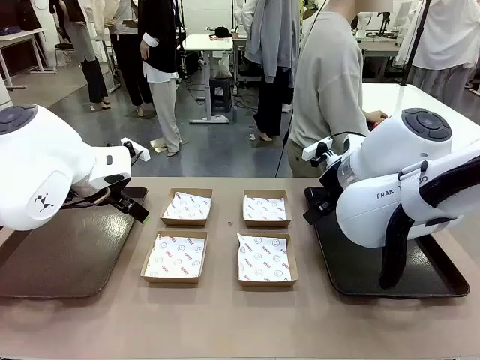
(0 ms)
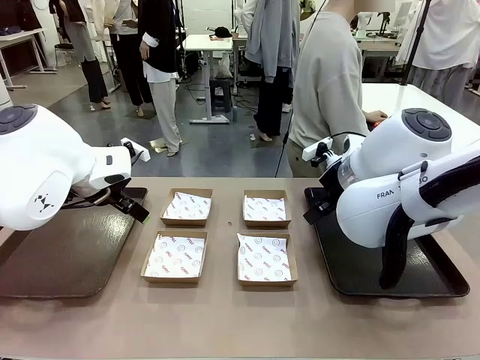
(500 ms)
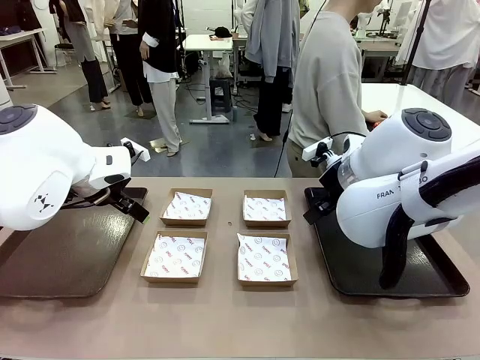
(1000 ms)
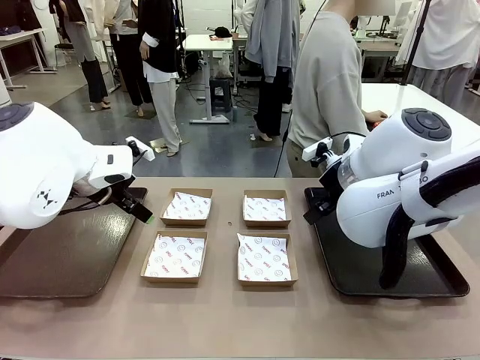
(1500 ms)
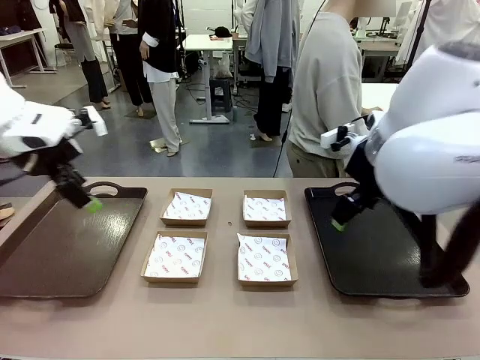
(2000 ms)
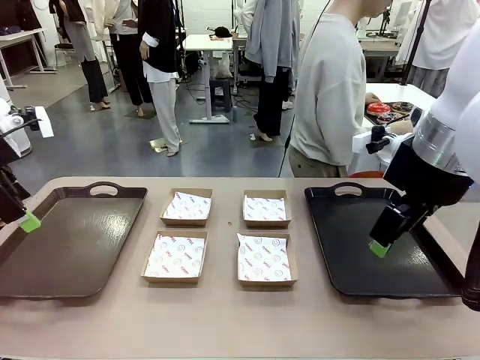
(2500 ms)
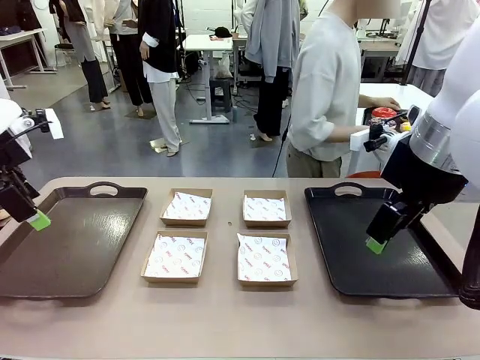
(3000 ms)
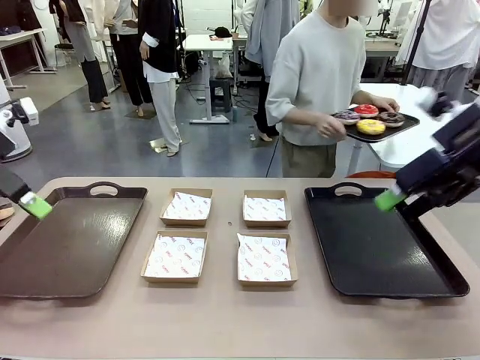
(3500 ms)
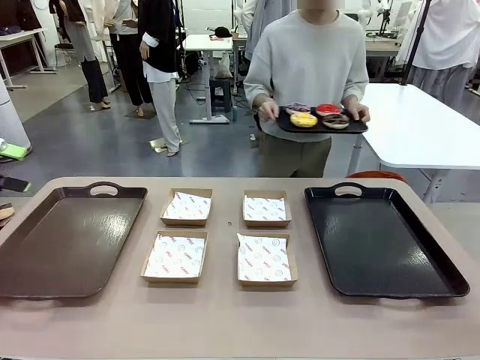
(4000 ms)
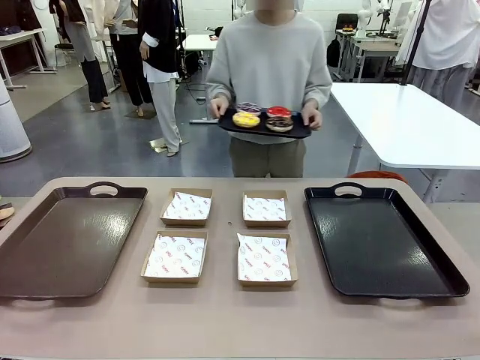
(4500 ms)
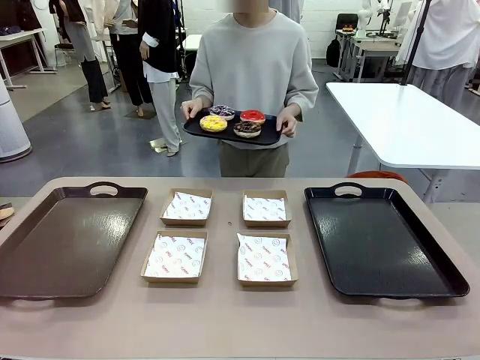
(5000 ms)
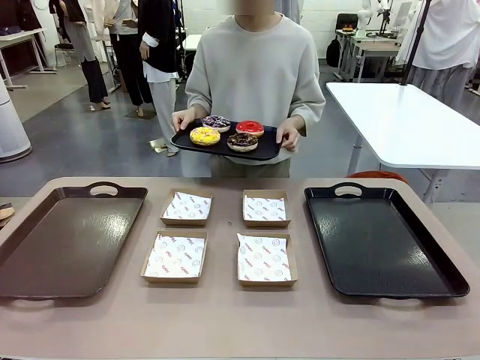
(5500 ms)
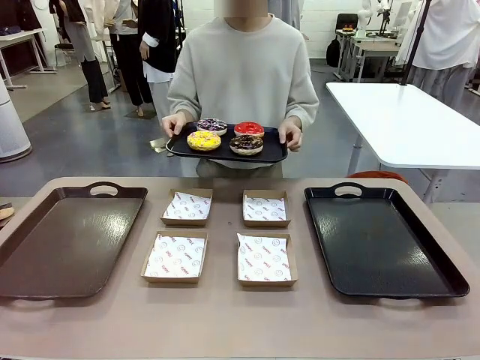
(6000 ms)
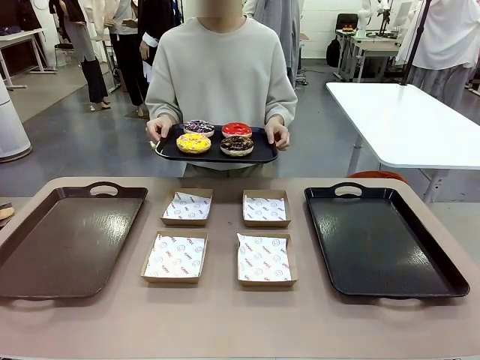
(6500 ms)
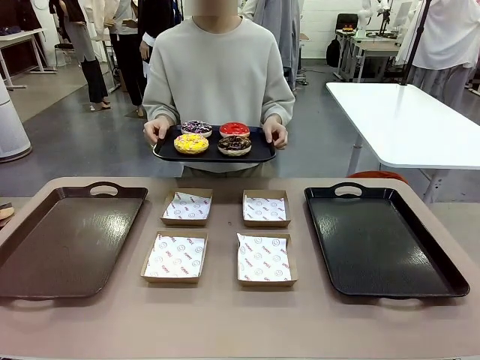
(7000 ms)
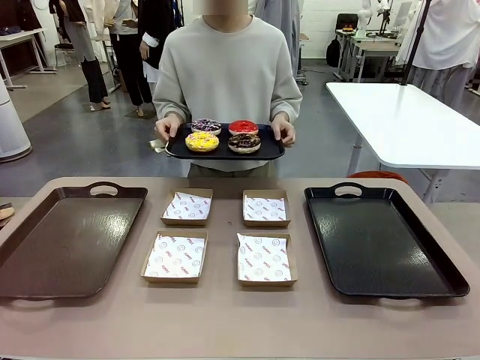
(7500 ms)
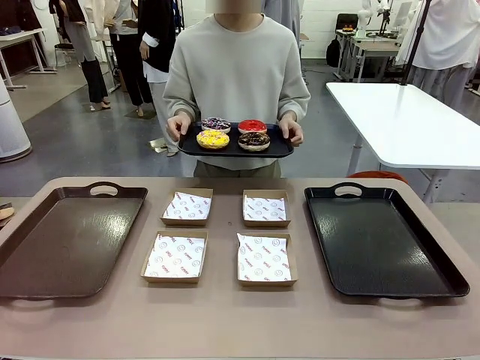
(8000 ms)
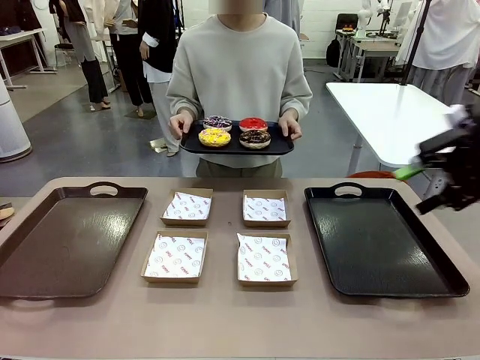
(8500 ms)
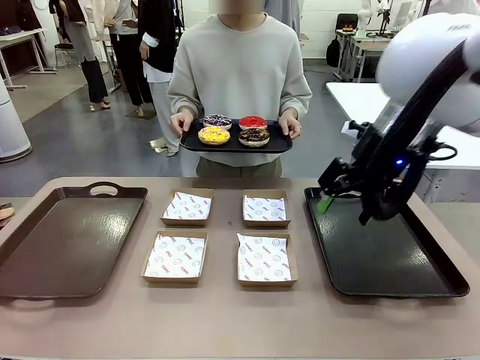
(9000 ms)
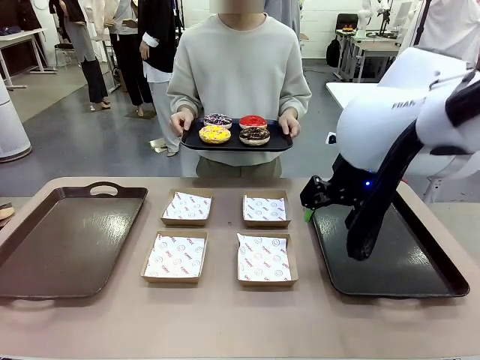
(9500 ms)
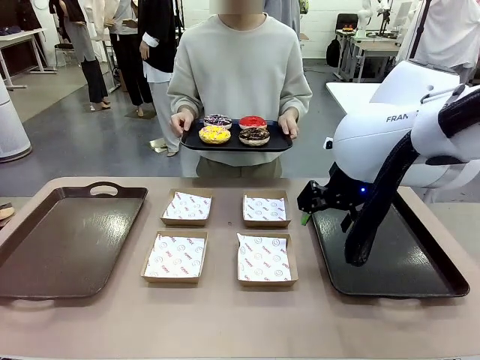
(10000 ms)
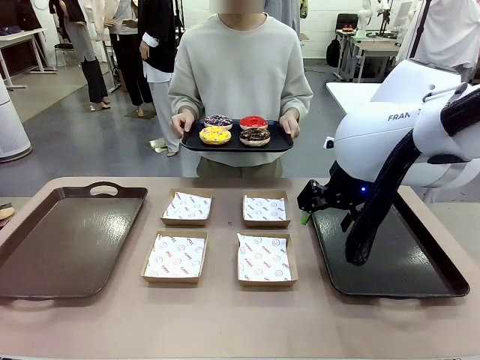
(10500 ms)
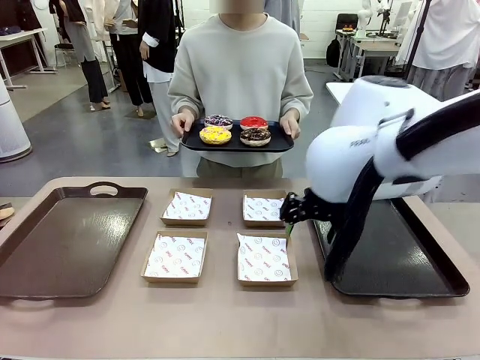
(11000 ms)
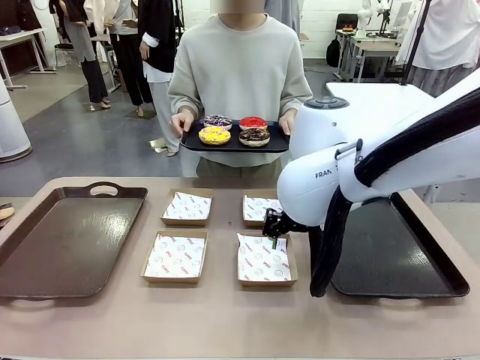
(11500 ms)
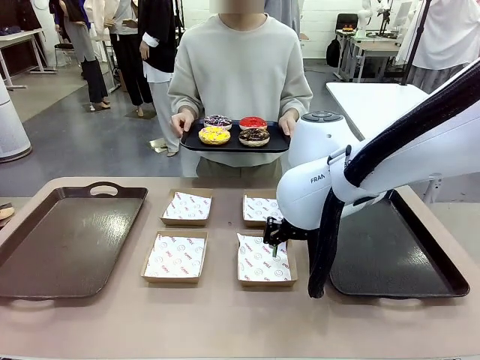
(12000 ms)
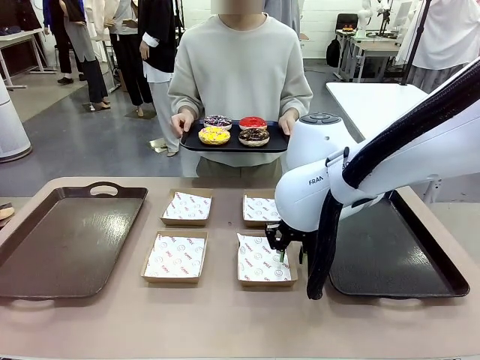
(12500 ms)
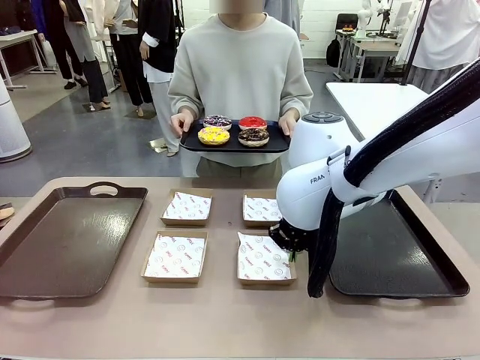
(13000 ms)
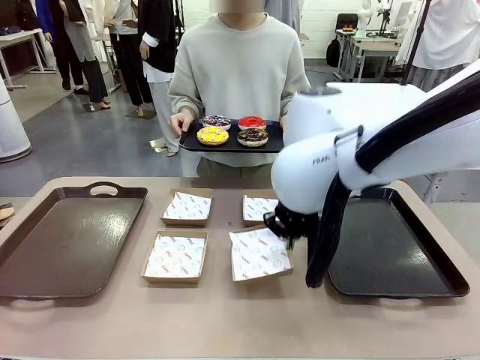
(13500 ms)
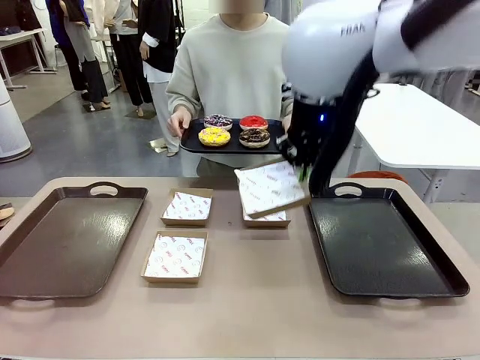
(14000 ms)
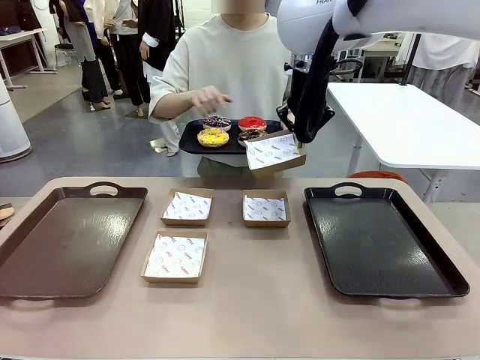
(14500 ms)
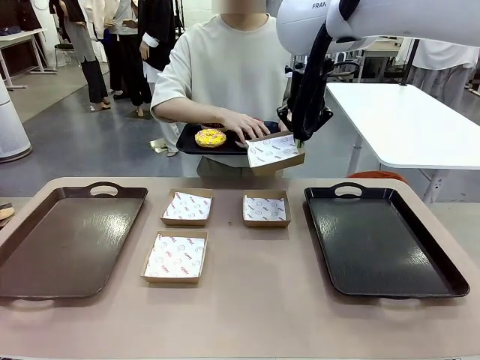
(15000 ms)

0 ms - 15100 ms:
Task: Individually package the donuts and arrange them on the tray.
Robot: Pick up one Paper togo box.
Person: Stand in front of the robot table holding the tray containing the donuts.

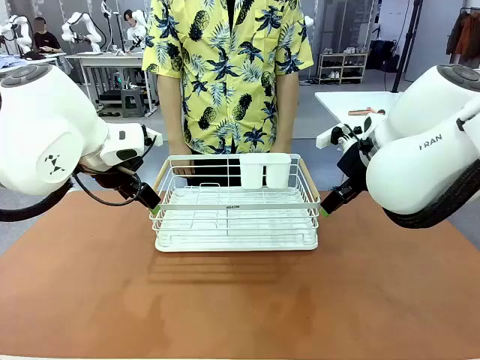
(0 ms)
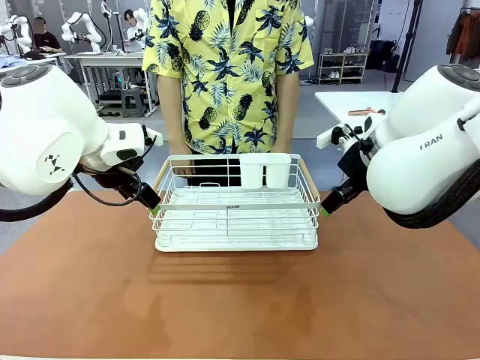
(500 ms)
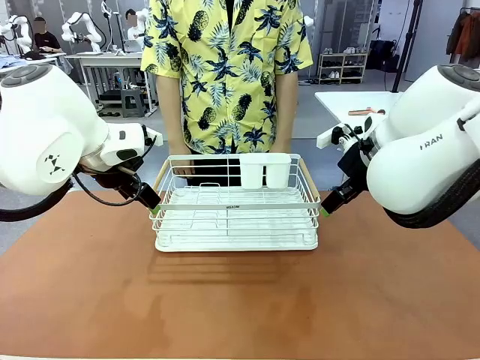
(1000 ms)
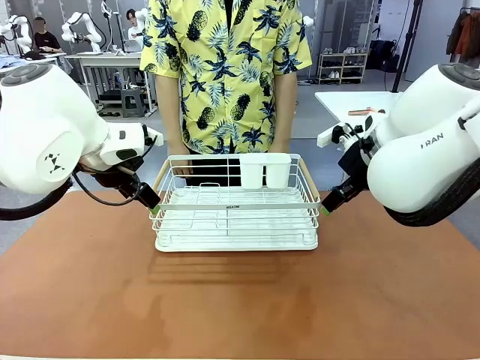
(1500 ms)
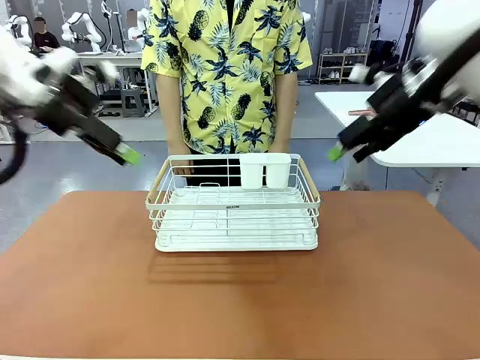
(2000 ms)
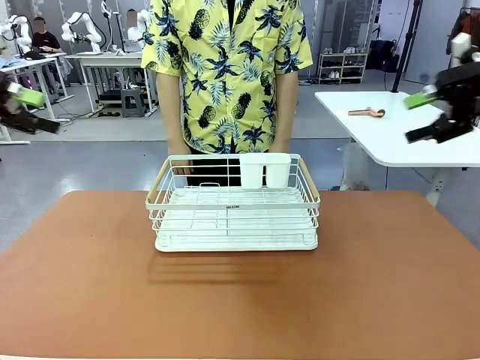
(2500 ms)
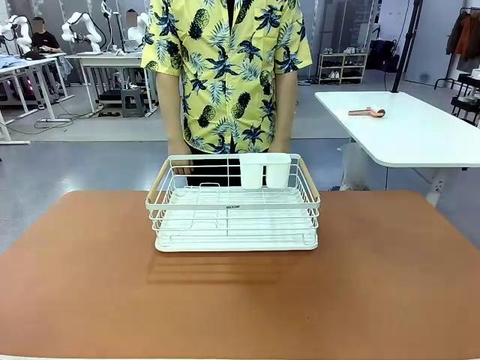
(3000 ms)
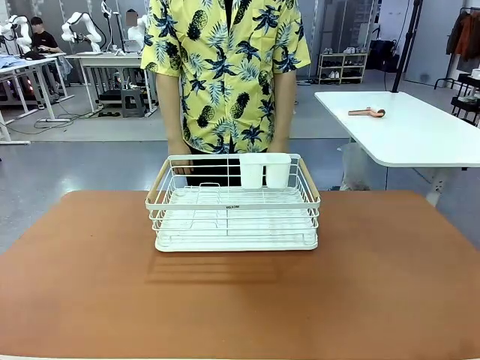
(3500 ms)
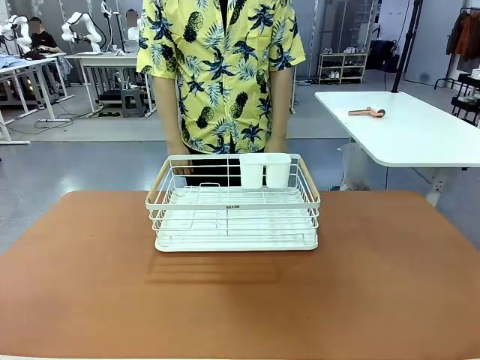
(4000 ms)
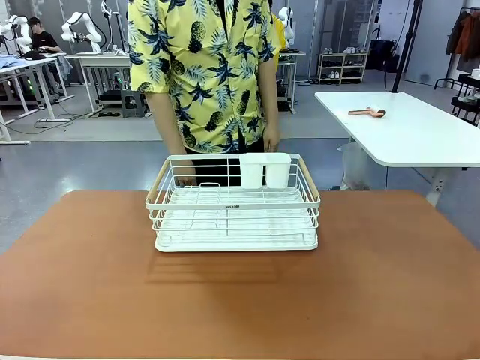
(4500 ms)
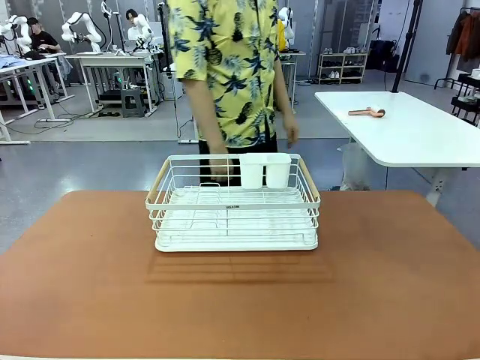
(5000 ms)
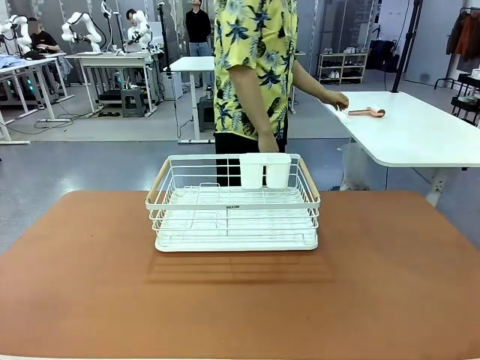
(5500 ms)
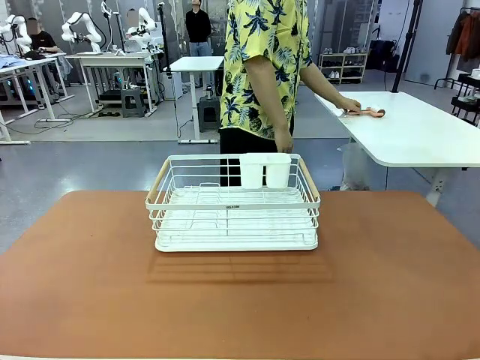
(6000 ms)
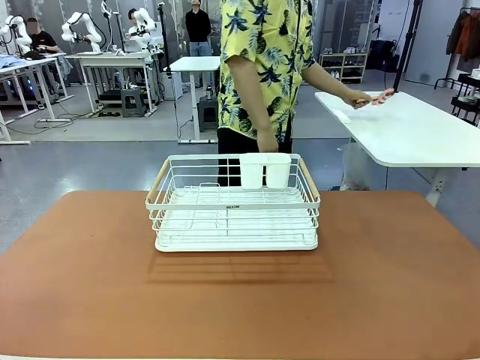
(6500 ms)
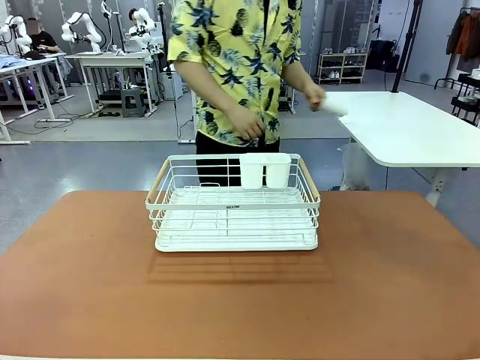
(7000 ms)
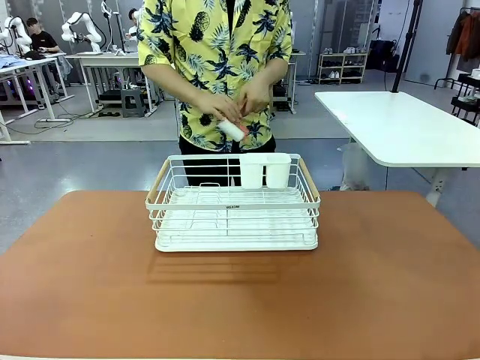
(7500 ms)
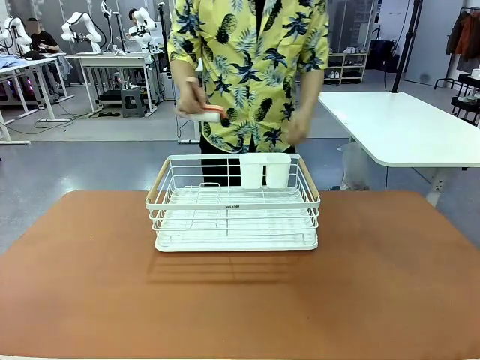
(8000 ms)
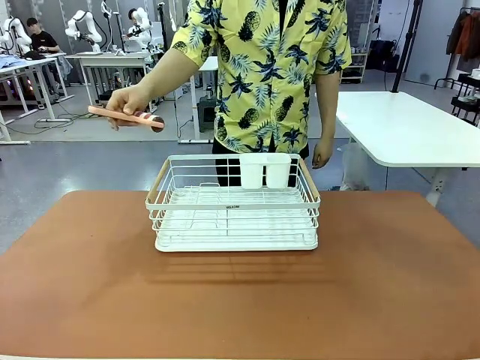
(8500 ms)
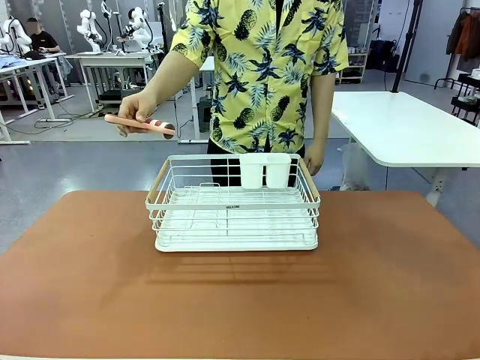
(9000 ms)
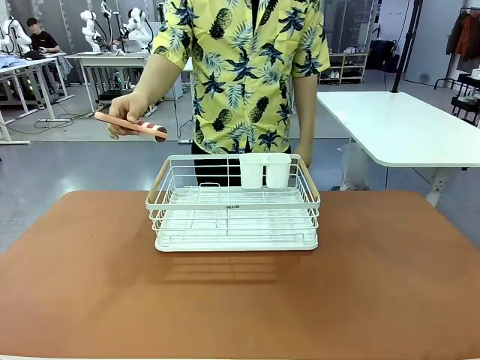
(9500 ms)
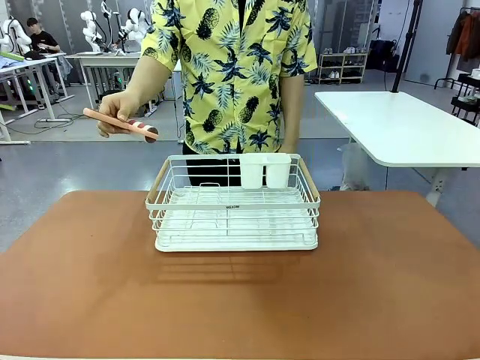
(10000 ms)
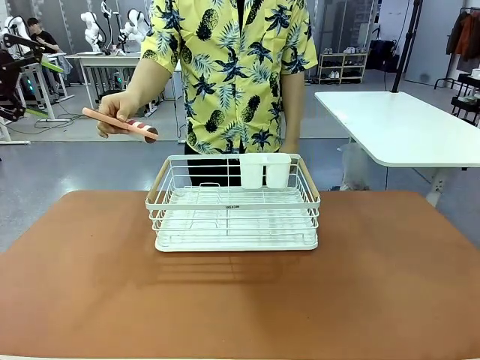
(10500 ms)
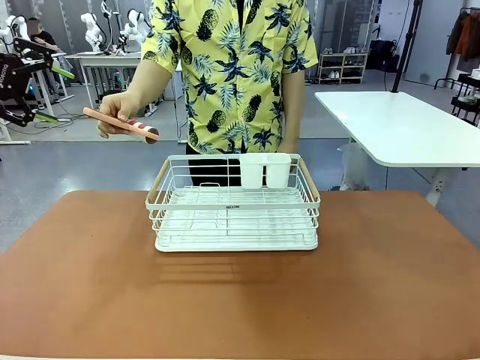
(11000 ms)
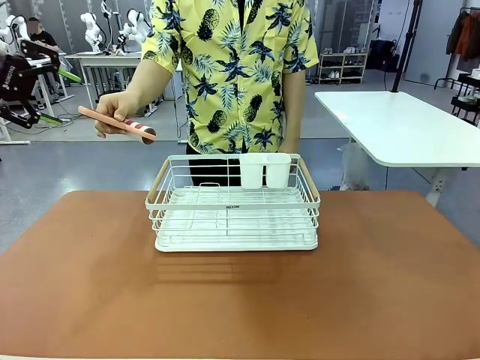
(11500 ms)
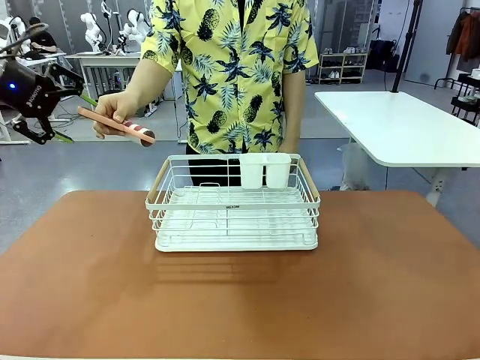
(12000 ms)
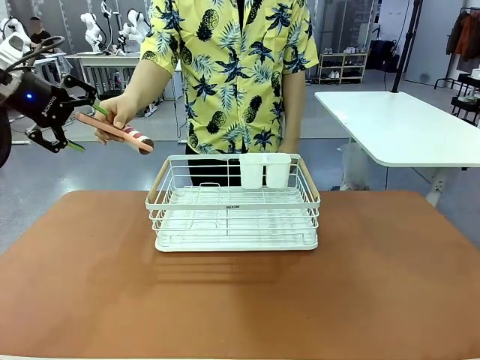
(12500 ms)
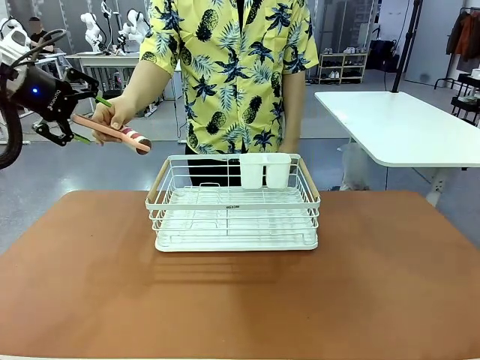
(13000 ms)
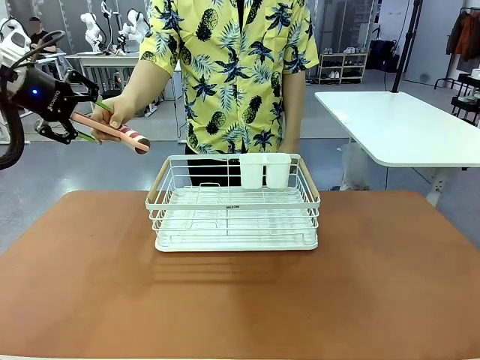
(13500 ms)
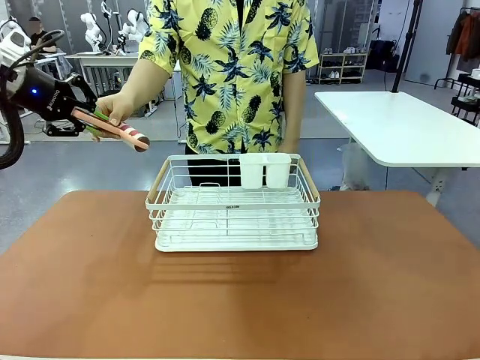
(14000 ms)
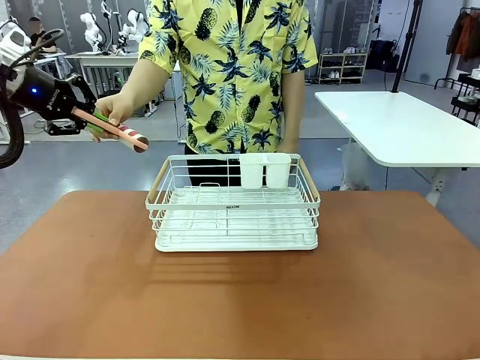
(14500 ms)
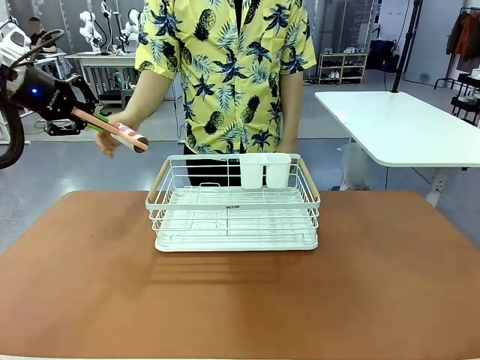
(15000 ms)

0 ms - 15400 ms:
Task: Clean the table.
Robot: Pick up the Lint Roller when the human hands it over.
Person: Hand the Lint Roller to the robot so it can easily pick it up. Lift the Dish drying rack.
